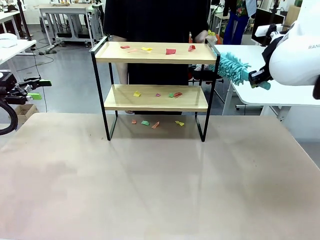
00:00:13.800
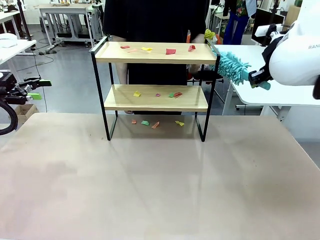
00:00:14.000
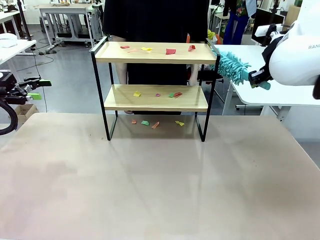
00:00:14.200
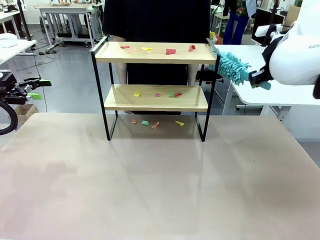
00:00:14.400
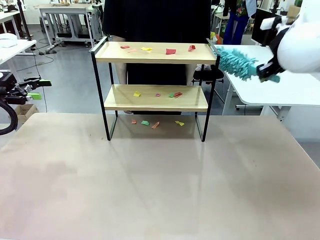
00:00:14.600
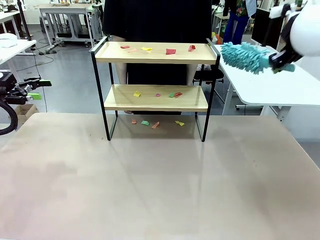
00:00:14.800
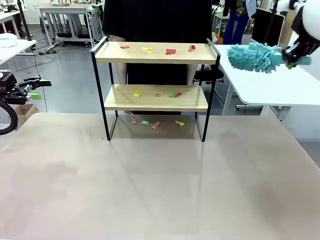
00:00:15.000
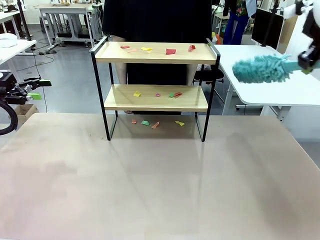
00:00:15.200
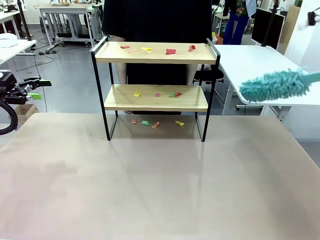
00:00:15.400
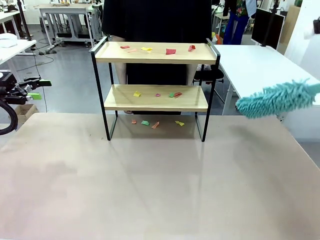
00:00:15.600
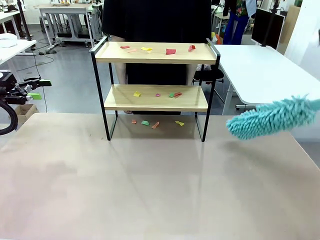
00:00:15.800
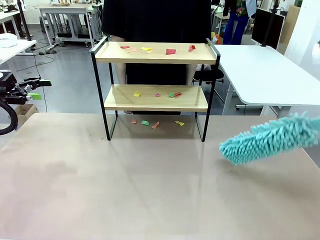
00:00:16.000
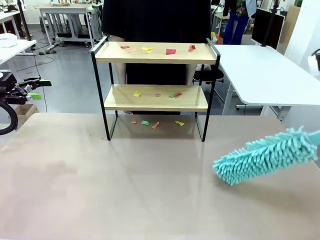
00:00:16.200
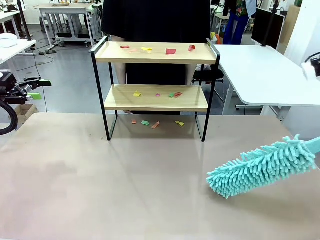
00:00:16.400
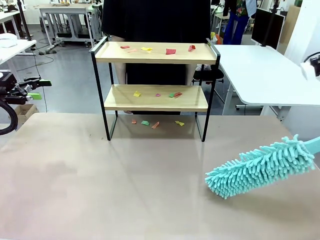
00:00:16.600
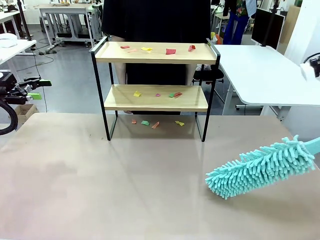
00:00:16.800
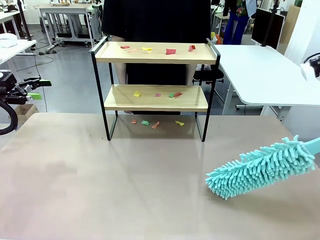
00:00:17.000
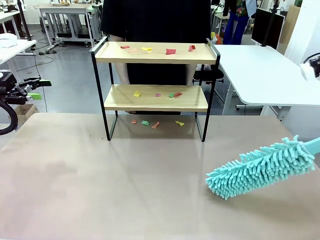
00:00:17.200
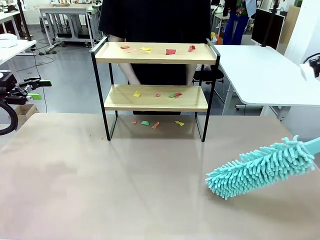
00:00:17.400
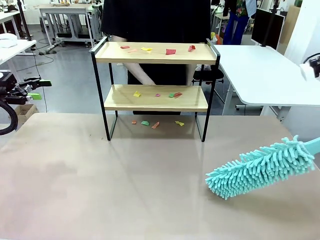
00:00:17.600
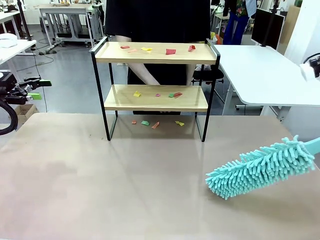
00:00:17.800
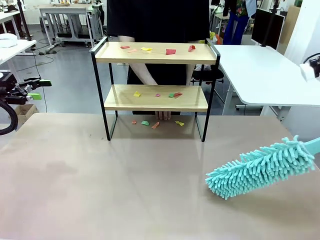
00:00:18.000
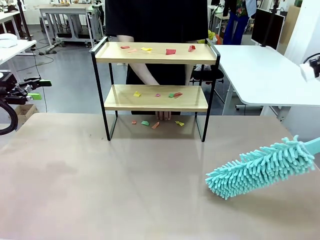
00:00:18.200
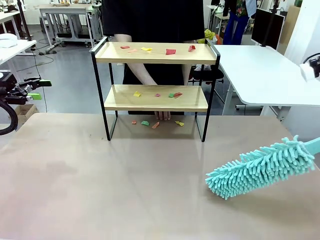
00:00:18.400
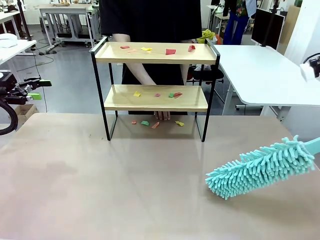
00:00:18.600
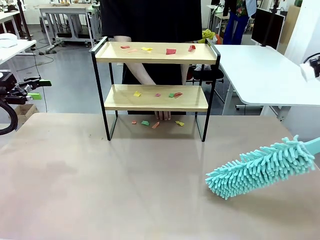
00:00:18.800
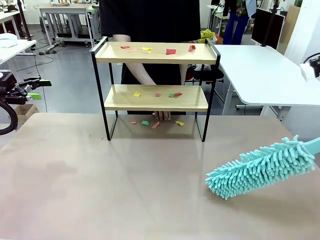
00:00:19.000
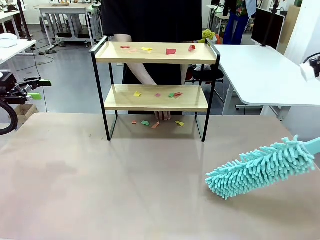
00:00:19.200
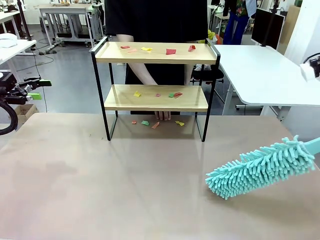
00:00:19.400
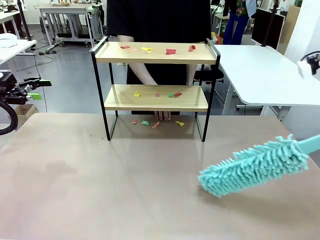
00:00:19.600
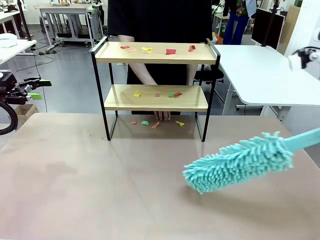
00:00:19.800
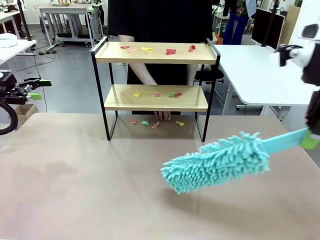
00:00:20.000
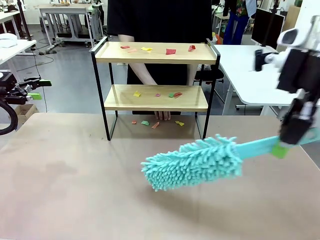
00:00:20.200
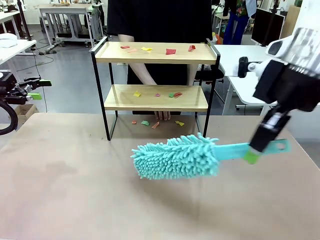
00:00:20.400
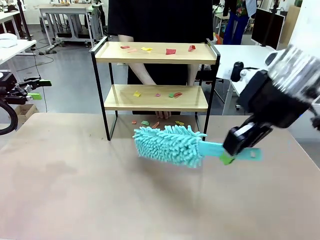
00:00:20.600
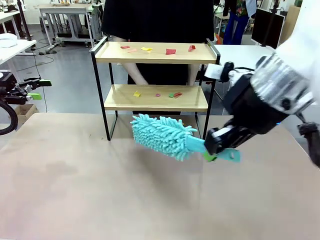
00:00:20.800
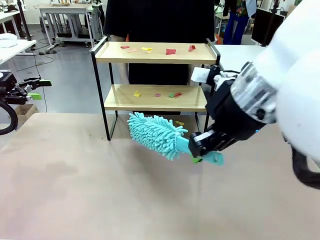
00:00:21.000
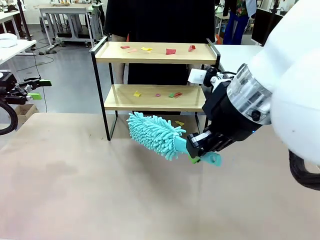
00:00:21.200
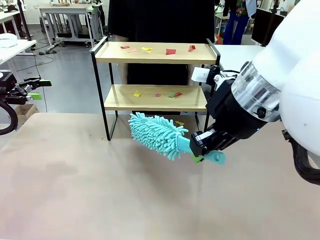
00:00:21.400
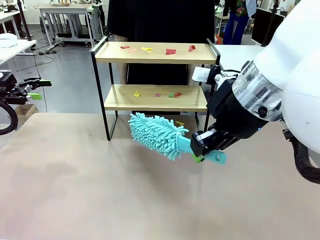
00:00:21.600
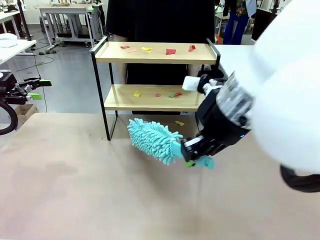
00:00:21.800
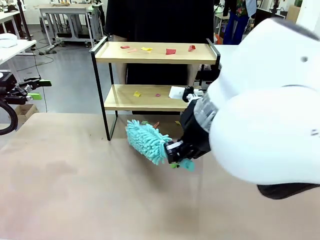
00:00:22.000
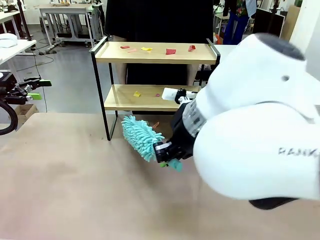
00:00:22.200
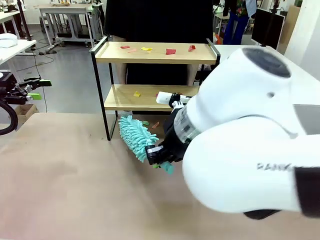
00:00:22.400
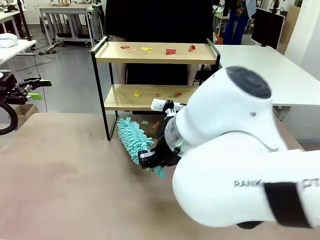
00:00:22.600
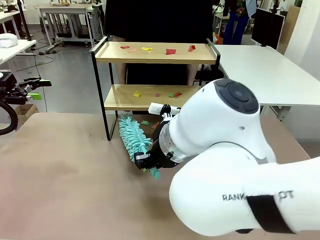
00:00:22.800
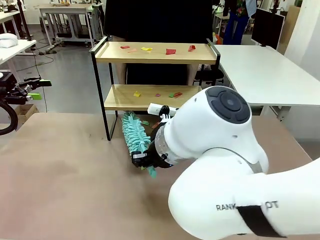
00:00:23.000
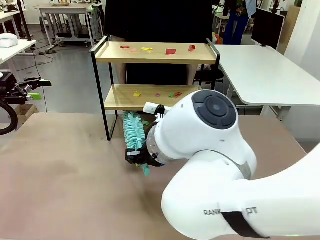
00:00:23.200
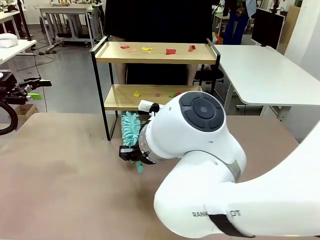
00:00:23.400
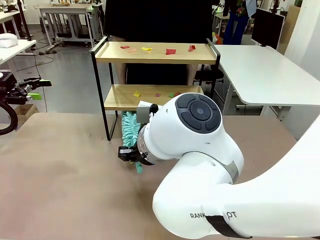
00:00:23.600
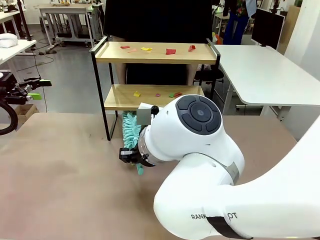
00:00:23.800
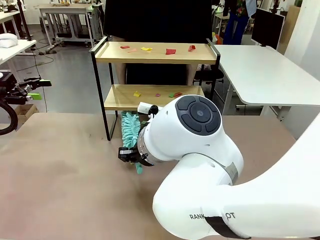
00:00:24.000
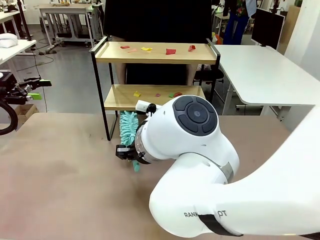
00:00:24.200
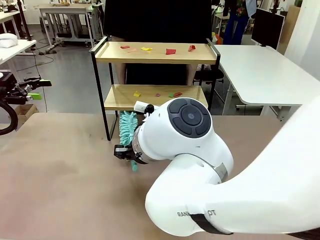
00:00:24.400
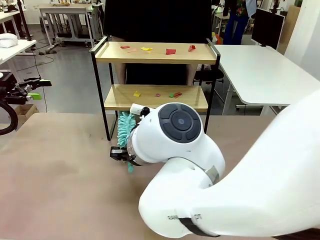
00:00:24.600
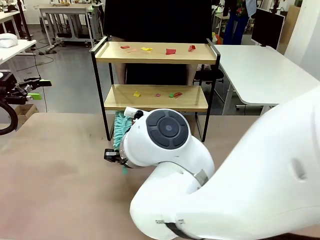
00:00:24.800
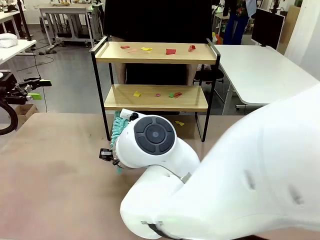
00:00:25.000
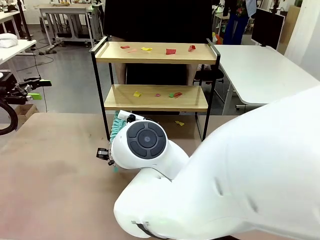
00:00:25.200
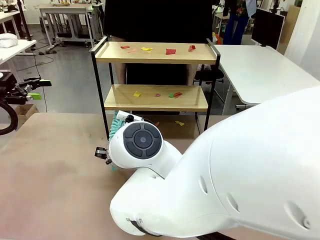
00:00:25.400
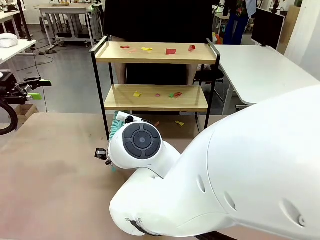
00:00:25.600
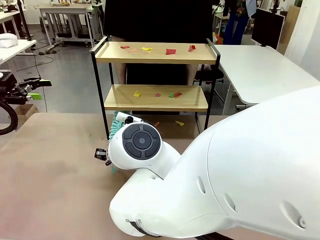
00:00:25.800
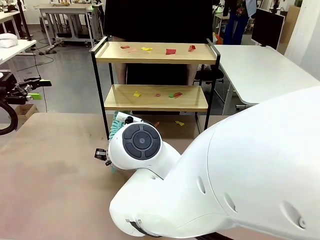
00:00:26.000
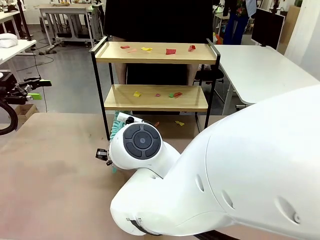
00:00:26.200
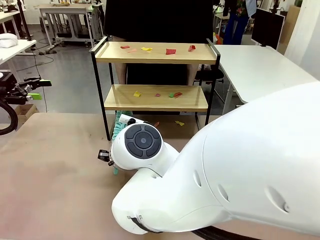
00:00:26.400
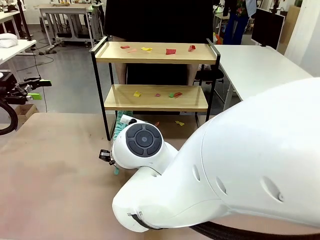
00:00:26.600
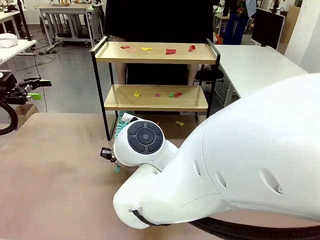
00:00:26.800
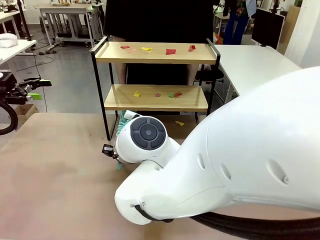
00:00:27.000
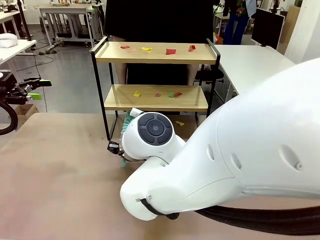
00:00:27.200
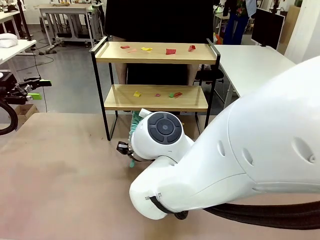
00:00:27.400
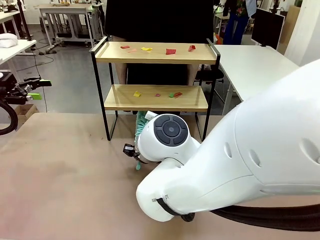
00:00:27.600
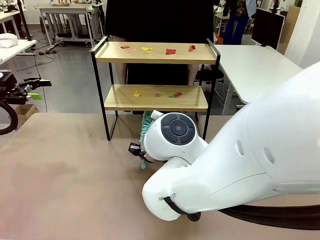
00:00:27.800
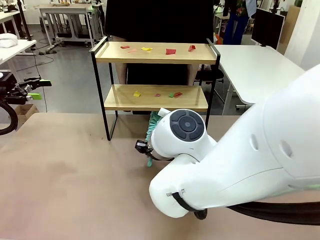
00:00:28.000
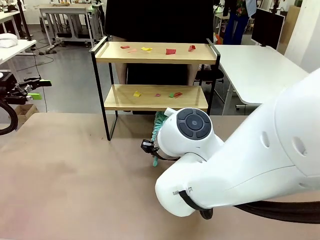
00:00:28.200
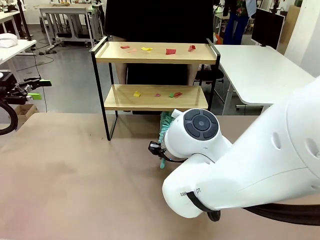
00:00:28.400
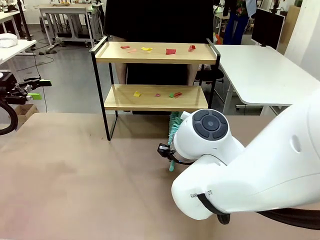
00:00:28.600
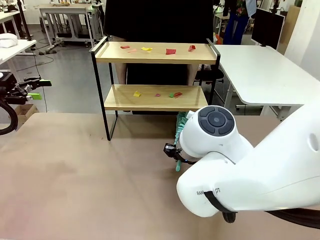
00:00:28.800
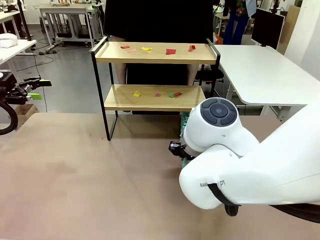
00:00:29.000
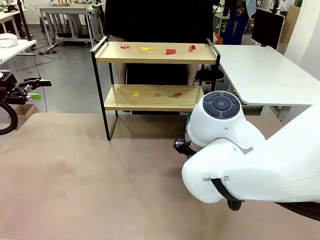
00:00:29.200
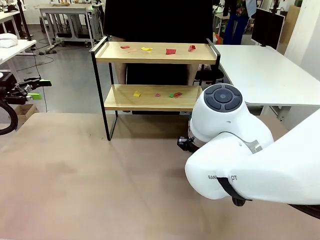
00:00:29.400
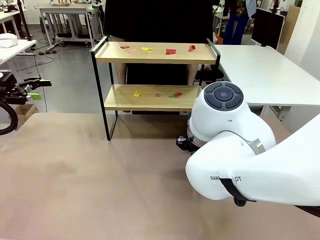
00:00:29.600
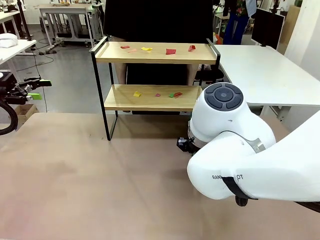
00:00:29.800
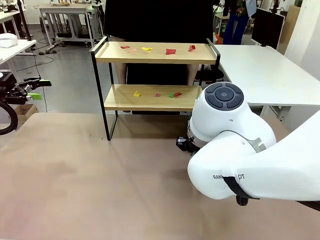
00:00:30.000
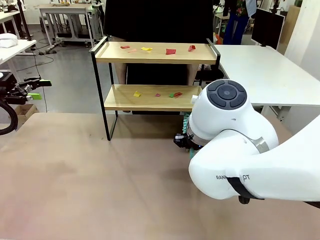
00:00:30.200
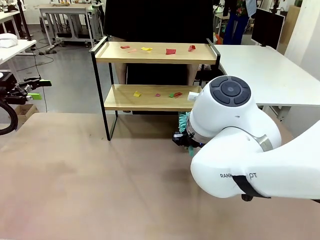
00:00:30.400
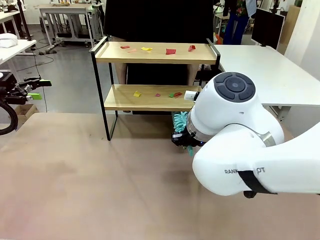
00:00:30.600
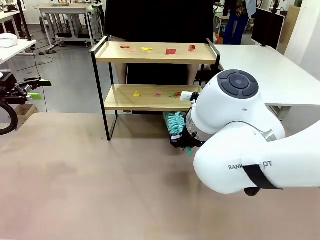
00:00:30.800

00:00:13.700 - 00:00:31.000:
Task: Clean the shelf.
Robot: Clean the specific section of the Shelf indicated by the human with the Duster.
Person: Point a random section of the Shelf.
